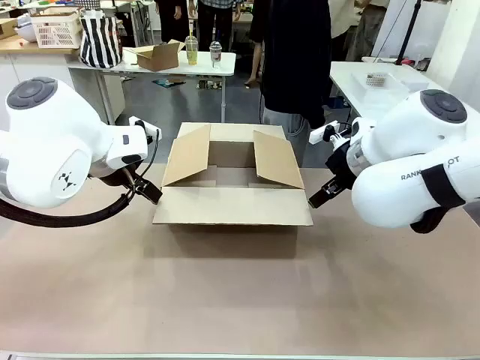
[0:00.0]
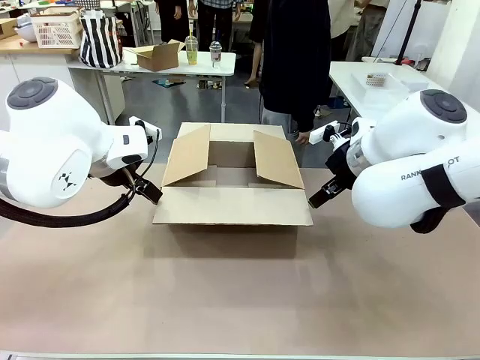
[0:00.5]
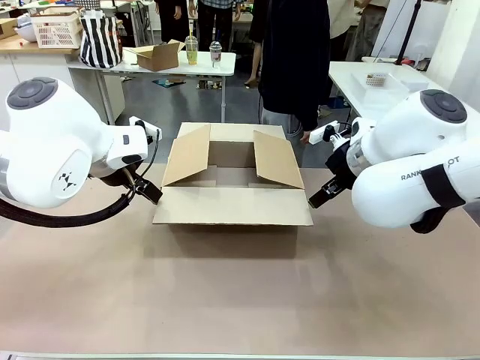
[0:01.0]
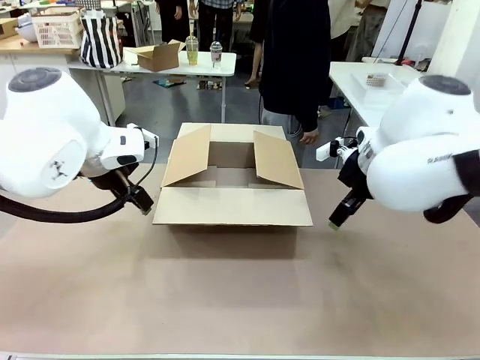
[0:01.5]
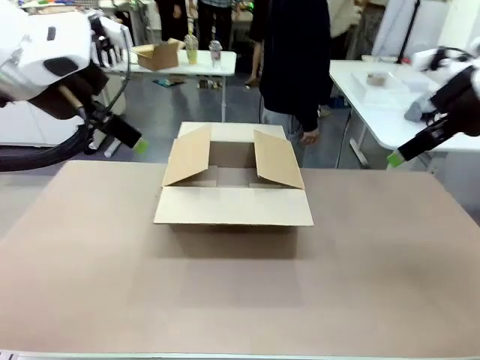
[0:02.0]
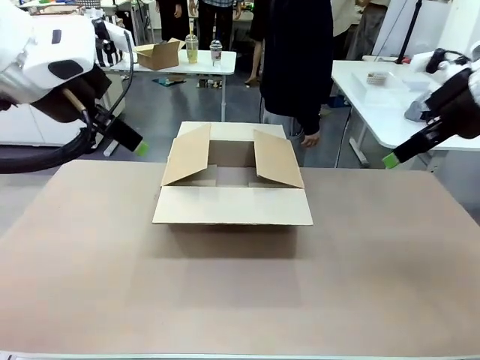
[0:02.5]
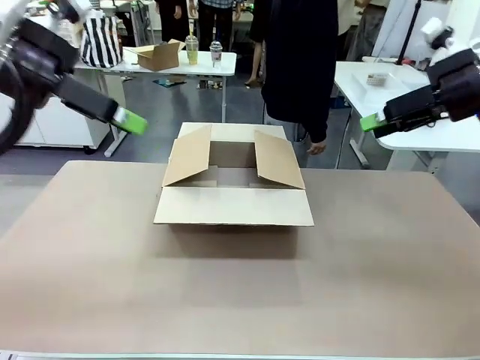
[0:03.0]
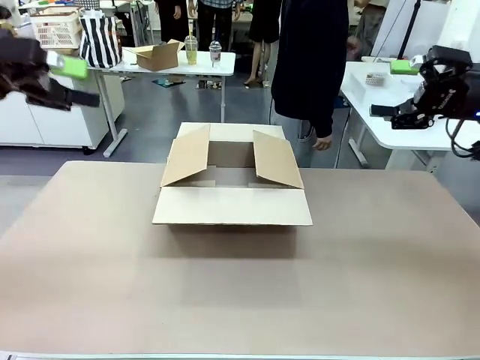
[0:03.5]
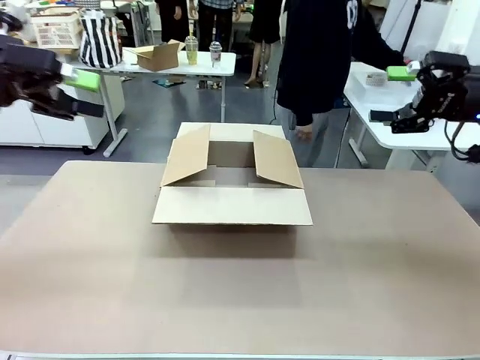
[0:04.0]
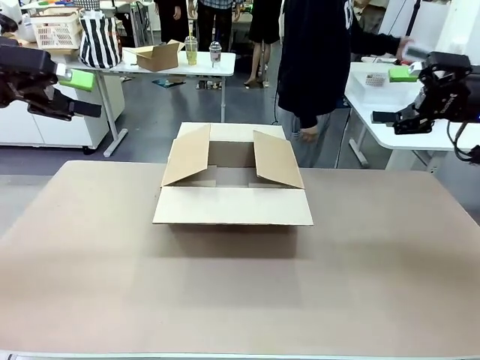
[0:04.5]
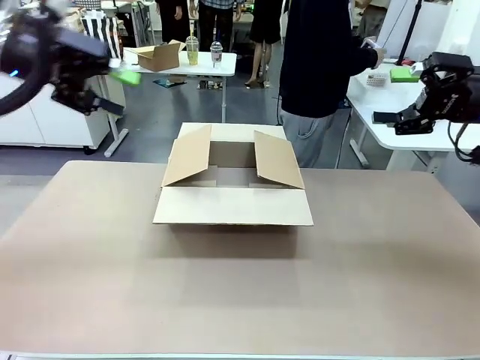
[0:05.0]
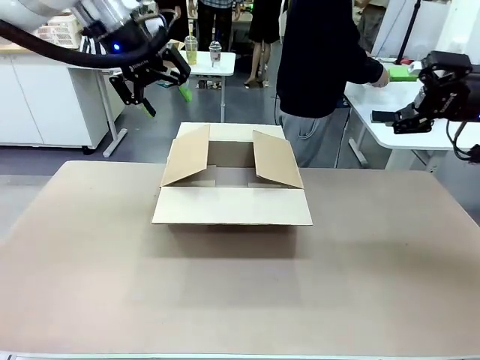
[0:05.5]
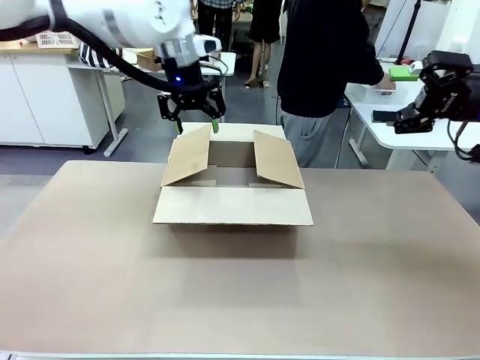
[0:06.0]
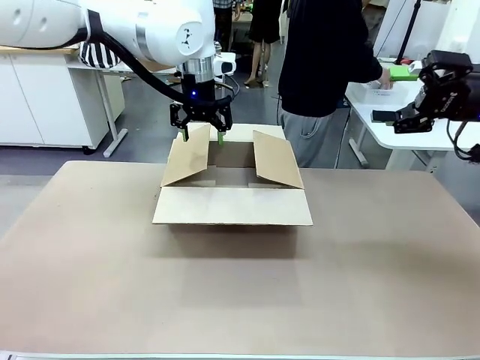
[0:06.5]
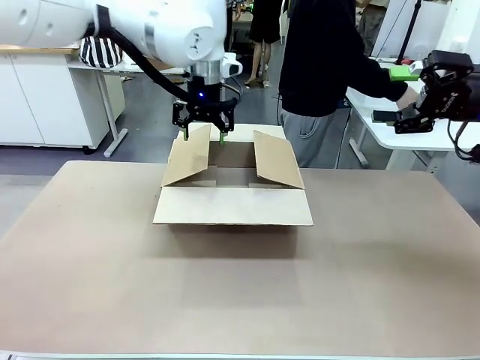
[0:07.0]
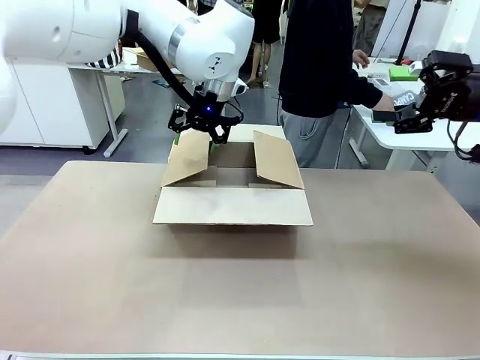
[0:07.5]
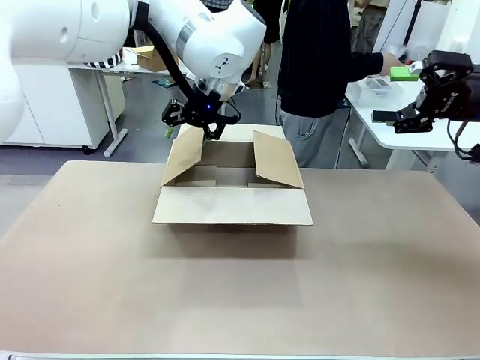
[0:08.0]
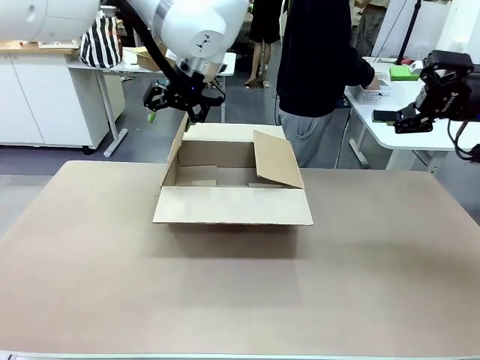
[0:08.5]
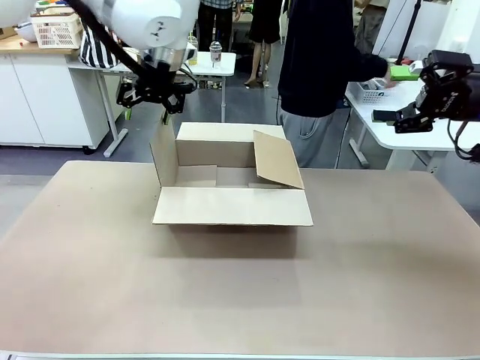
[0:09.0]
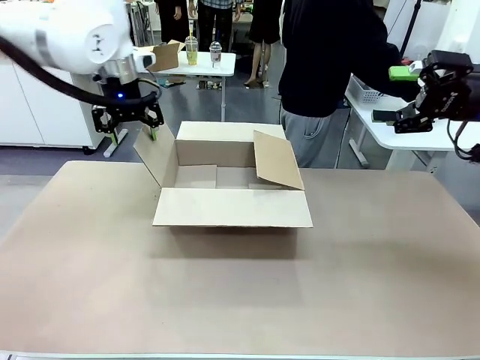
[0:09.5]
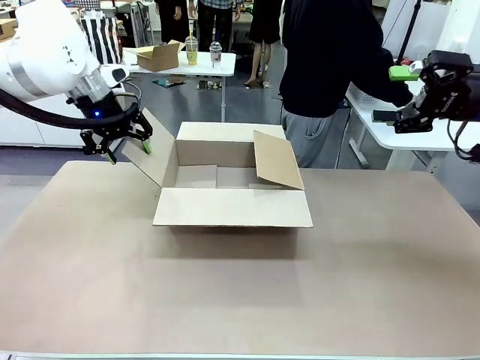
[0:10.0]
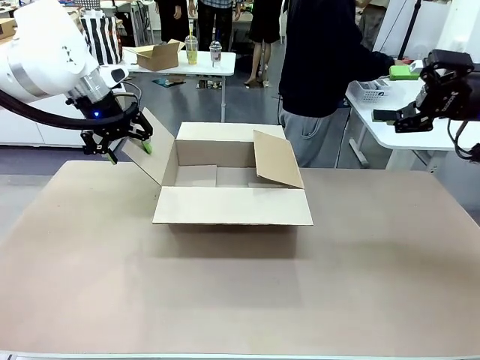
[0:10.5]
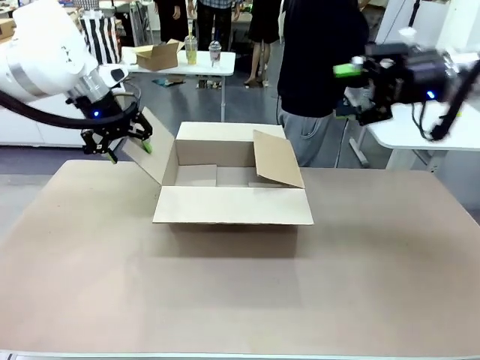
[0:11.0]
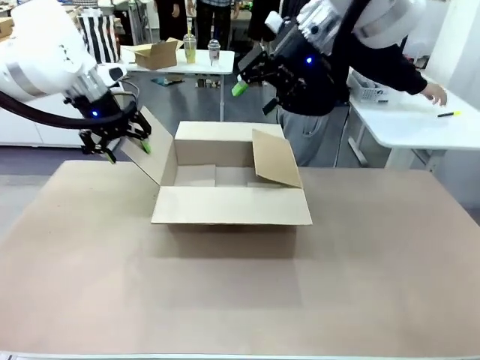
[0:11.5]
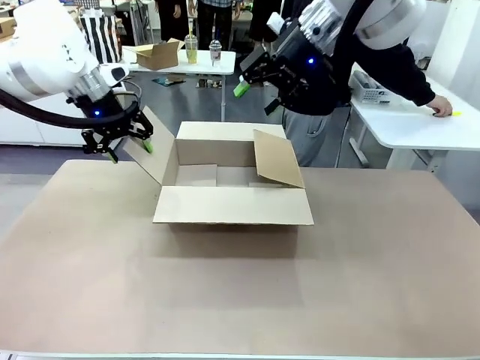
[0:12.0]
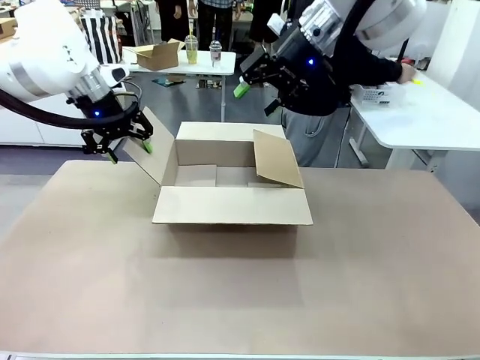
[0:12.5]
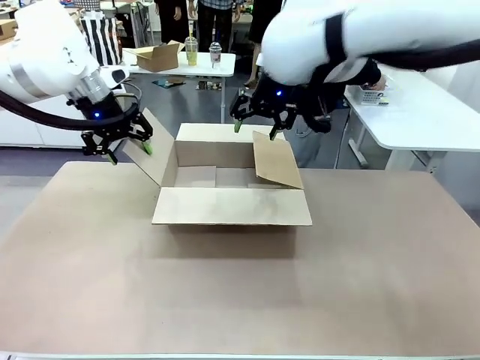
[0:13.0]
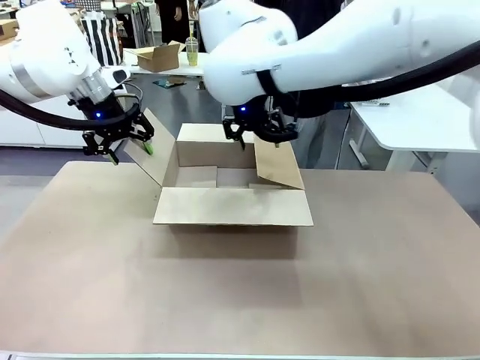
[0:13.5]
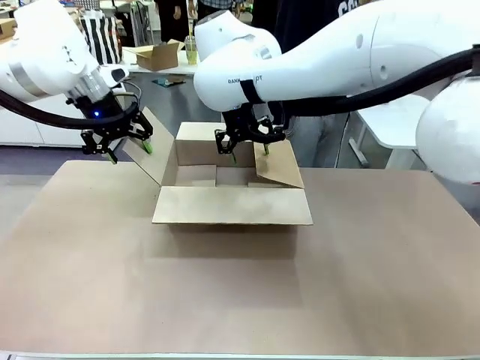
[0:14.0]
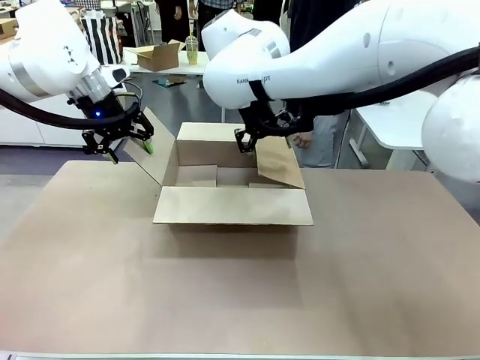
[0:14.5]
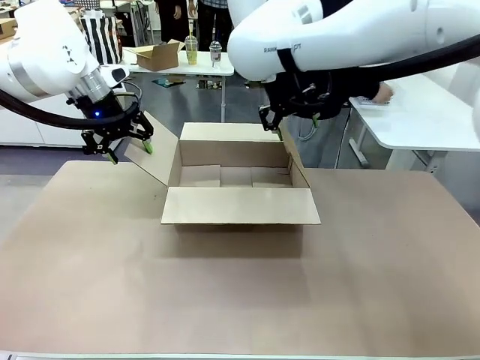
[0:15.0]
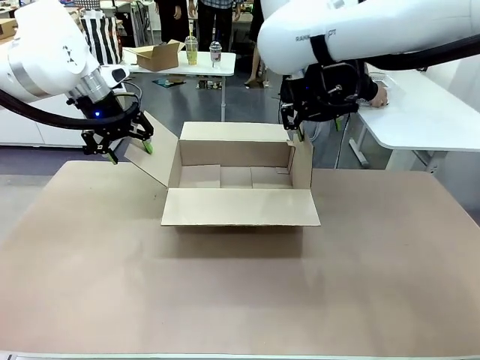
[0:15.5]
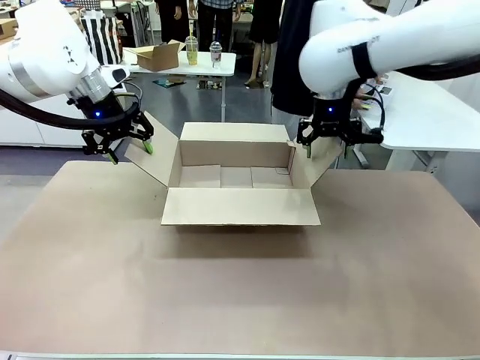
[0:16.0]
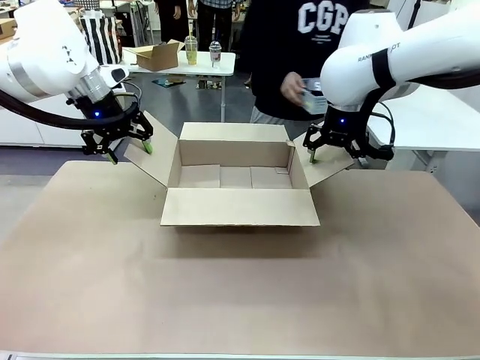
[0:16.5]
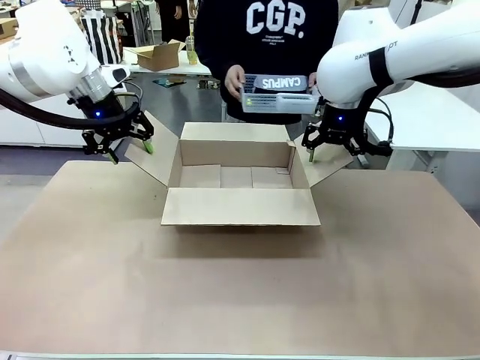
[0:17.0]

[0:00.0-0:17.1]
Task: Pack the gift set into the box.
Robot: Place both hands on the side flaps of the Package Box and spread them outward.
Person: The human places all items except the paper tape into the organizing basket.

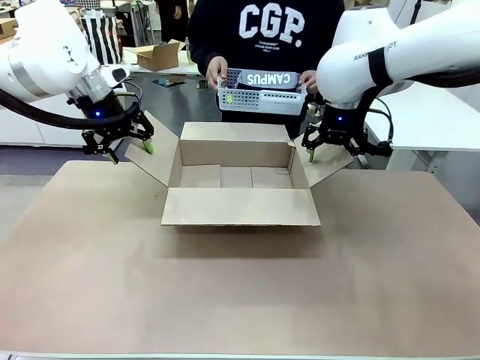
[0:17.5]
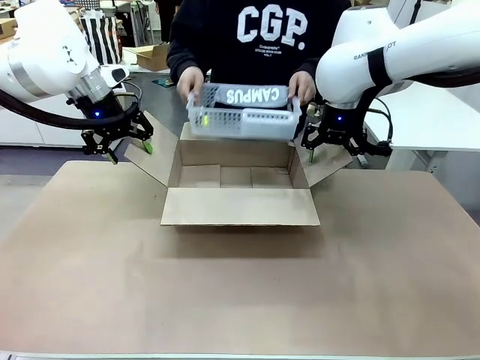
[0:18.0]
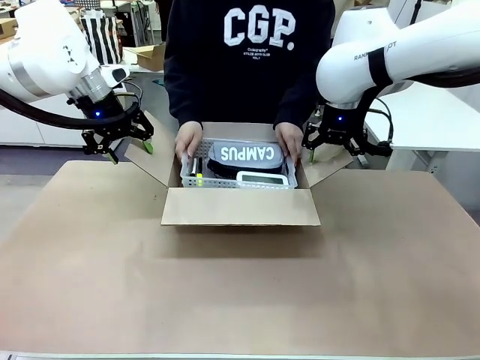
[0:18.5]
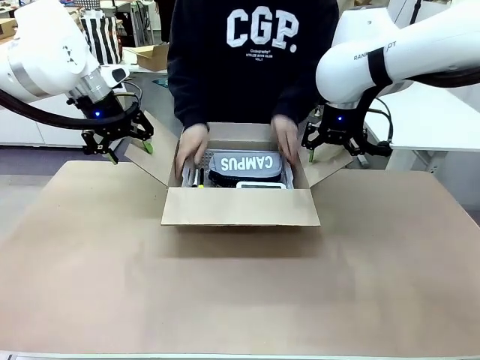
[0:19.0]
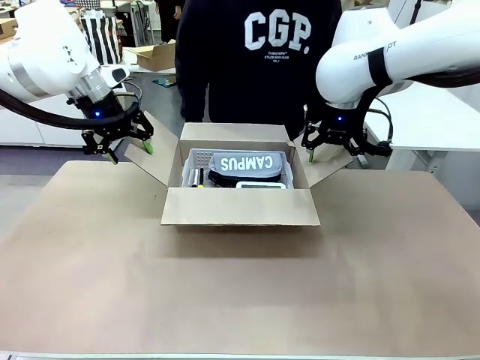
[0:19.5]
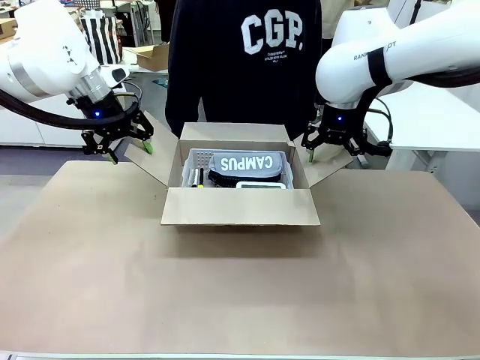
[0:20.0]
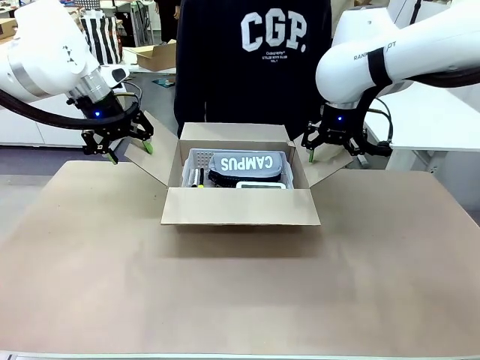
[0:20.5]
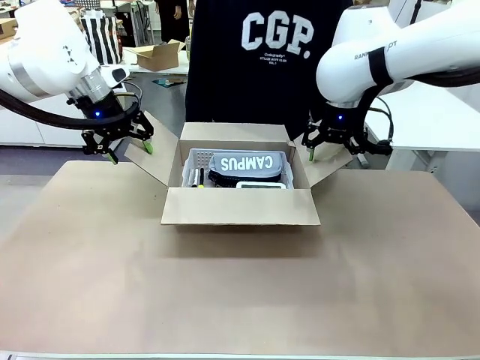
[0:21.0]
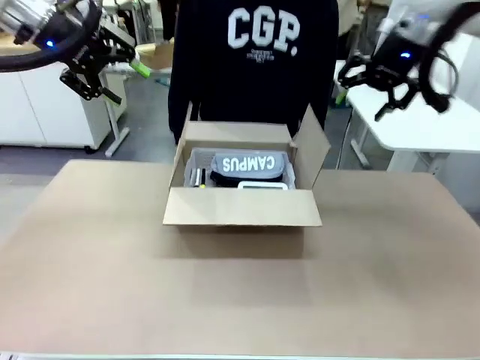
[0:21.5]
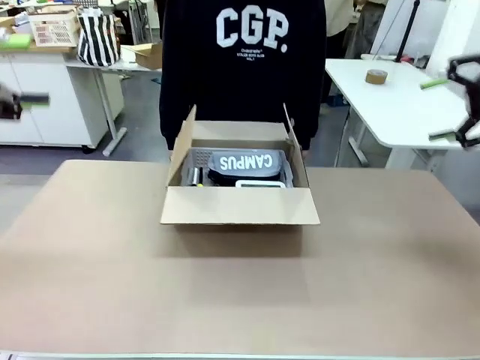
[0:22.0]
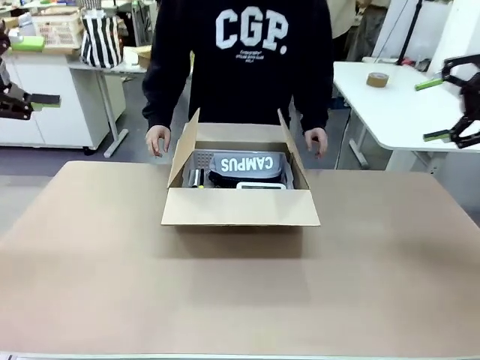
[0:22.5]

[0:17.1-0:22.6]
Robot: Lift both hands away from the flaps of the Package Box.
Person: The human picks up the organizing basket and places the organizing basket into the package box on the robot table.
